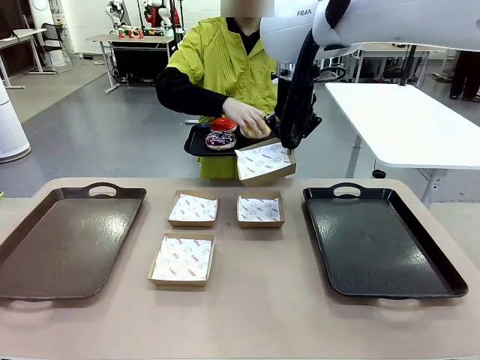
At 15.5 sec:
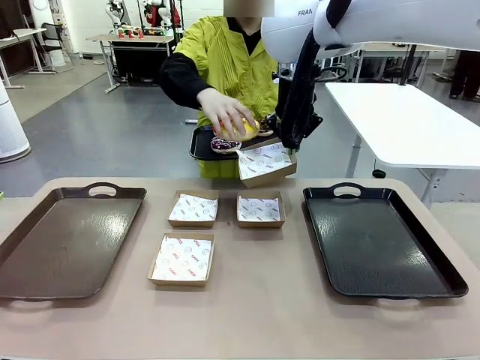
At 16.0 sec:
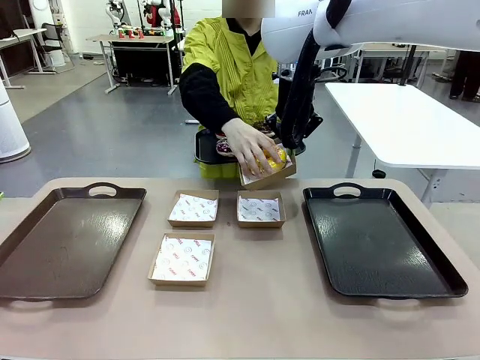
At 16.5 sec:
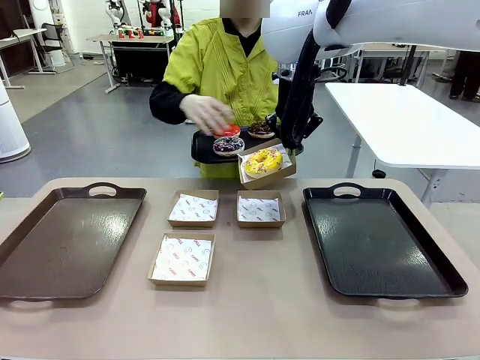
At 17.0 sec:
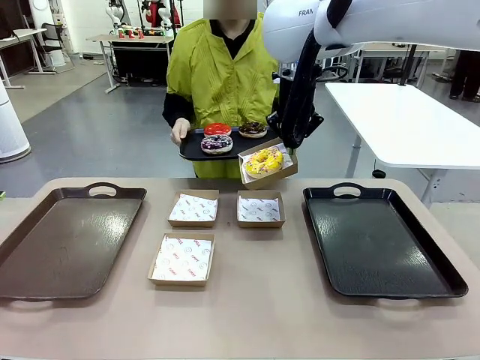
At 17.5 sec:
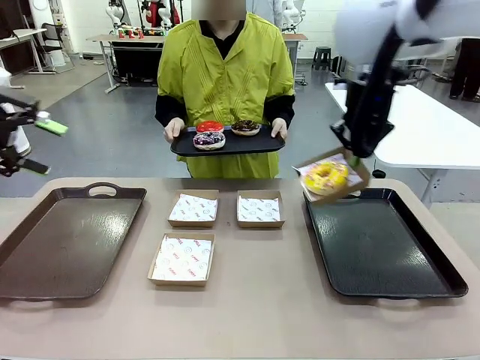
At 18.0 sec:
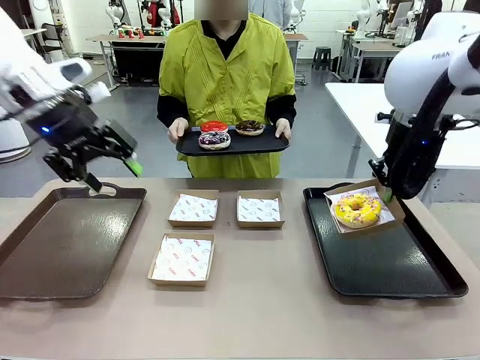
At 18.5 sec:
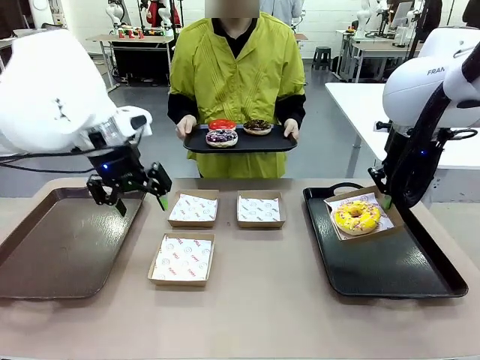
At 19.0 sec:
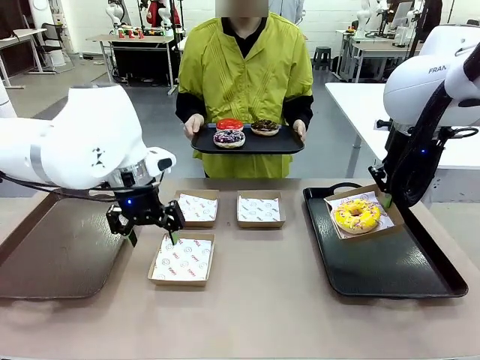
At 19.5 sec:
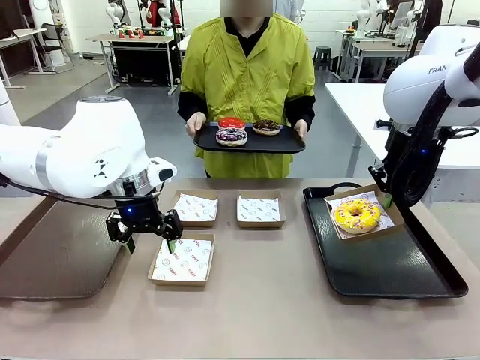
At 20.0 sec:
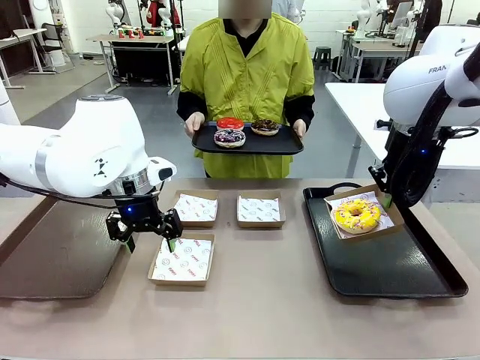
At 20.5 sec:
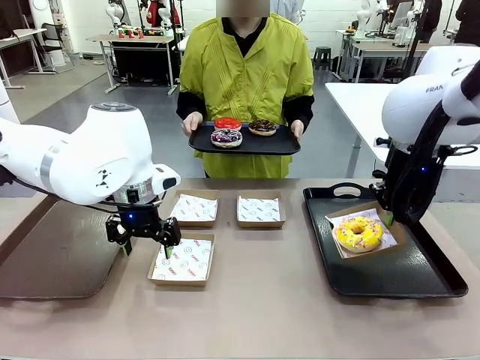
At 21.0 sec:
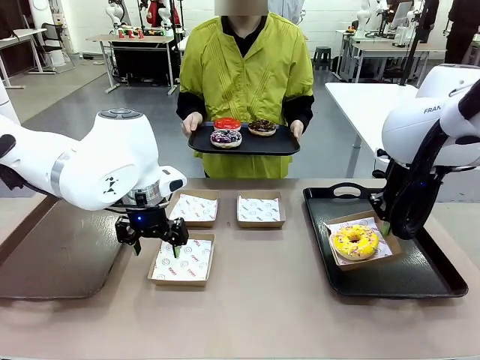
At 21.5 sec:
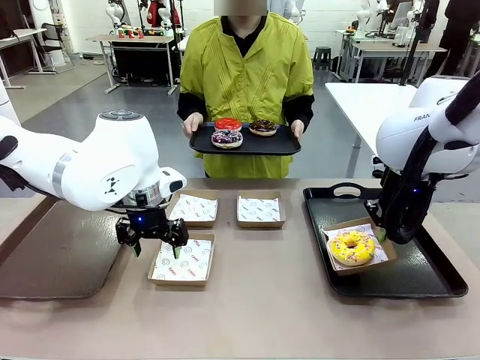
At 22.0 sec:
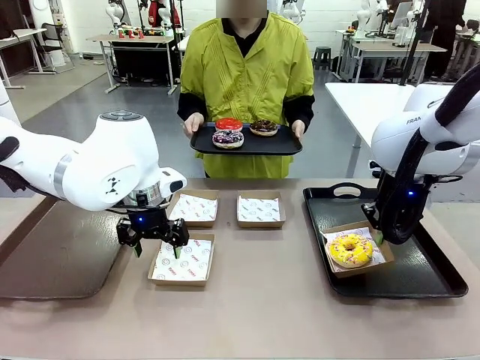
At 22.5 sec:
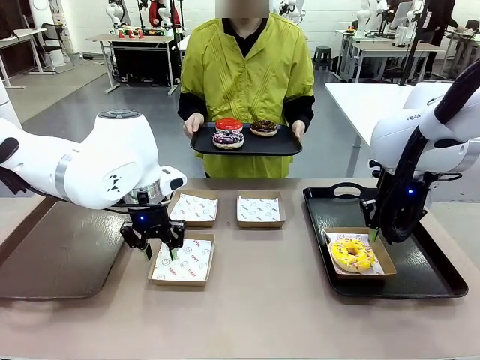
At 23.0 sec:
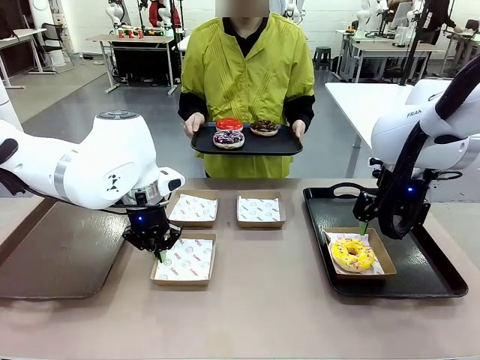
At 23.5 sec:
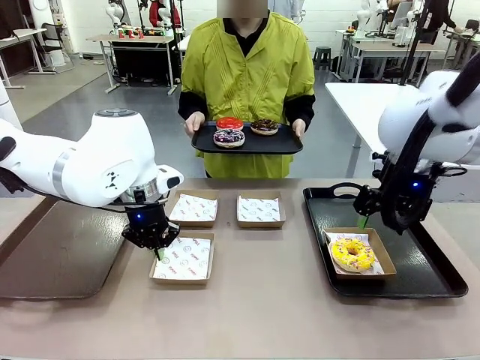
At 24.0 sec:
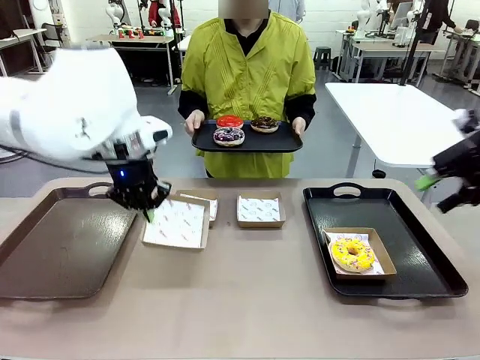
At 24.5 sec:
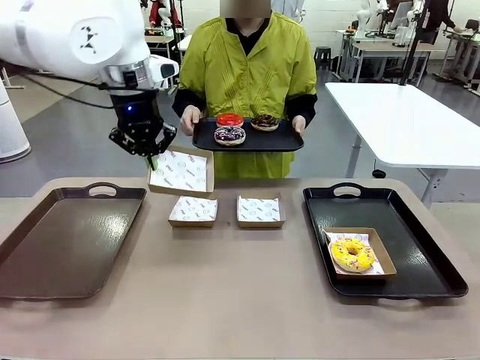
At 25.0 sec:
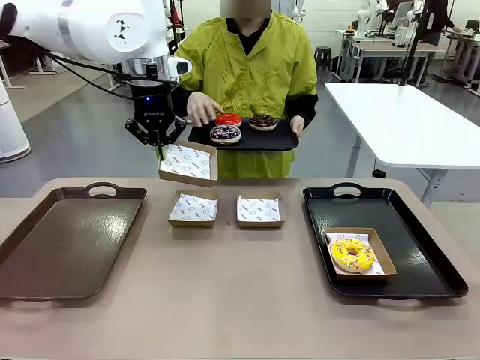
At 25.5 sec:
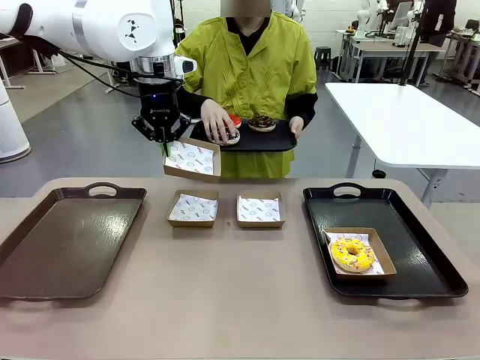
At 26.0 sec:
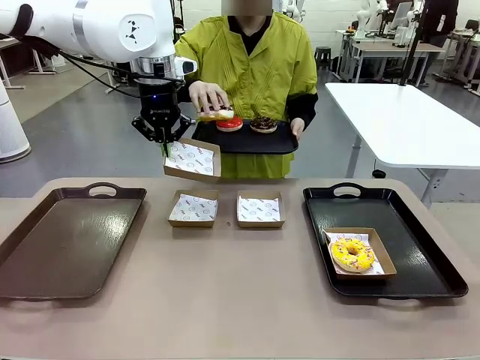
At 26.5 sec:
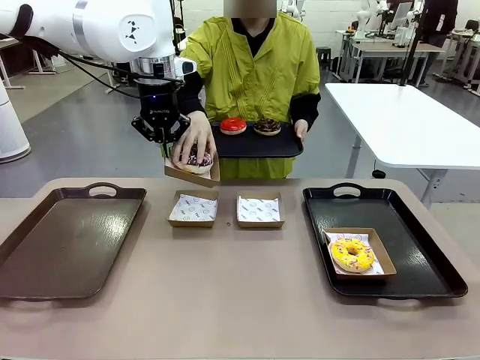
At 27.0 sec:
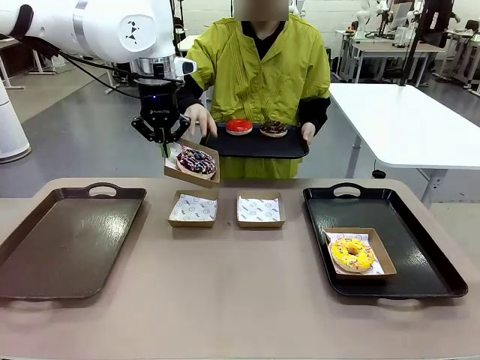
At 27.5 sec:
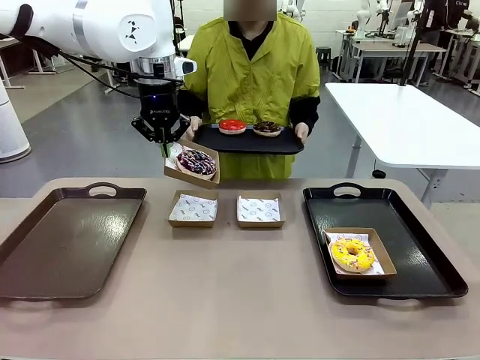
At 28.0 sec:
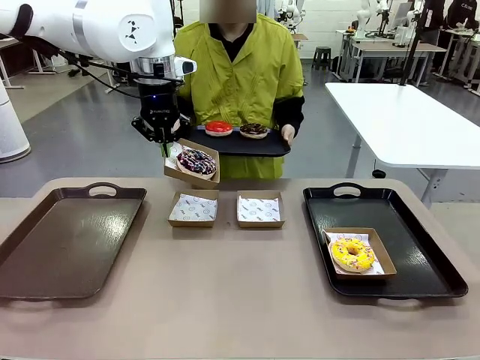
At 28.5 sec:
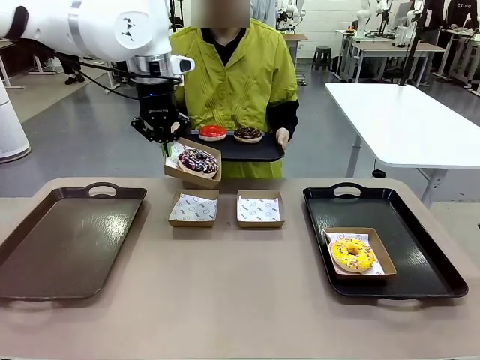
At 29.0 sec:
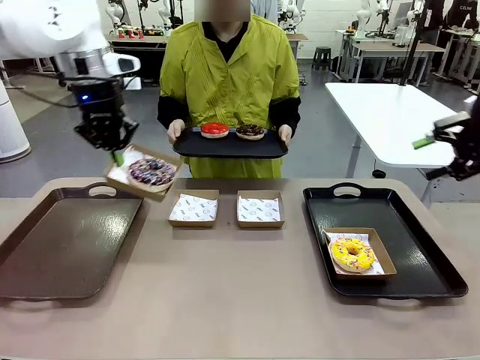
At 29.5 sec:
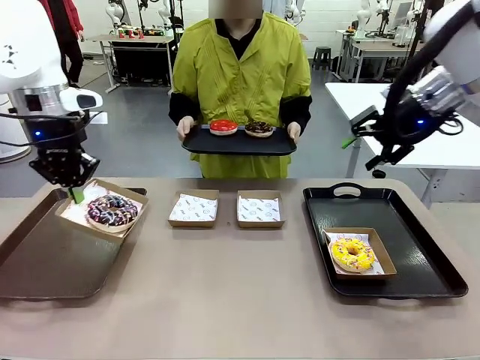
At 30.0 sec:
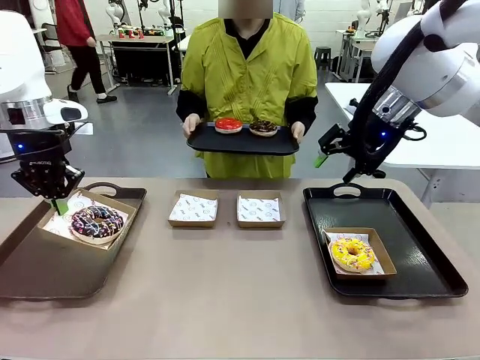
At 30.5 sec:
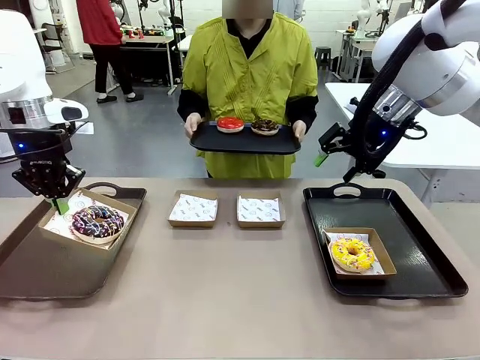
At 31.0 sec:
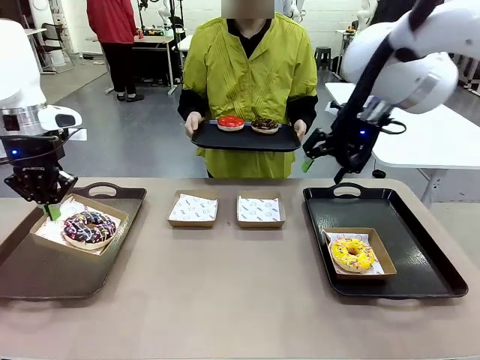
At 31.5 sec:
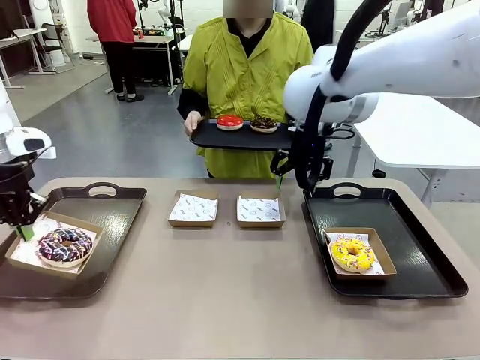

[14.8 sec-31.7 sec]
Task: Individually package the donuts and arrange them on the tray.
Robot: Place the picked Paper togo box on the Handle tray while simultaneously picking up another Paper togo box from the table with the other hand.
